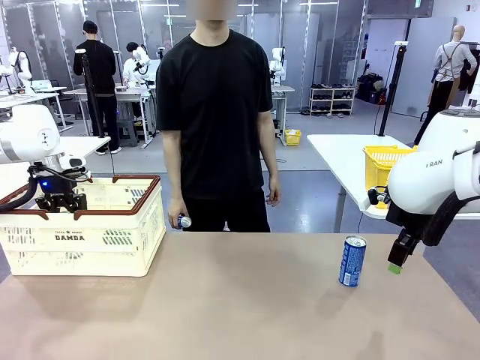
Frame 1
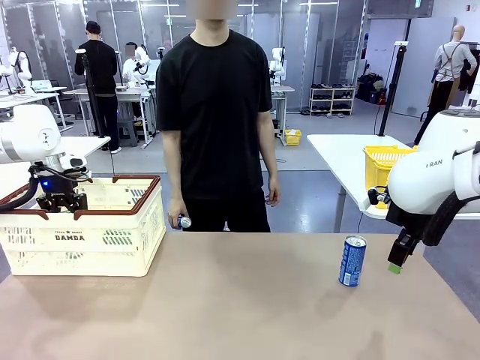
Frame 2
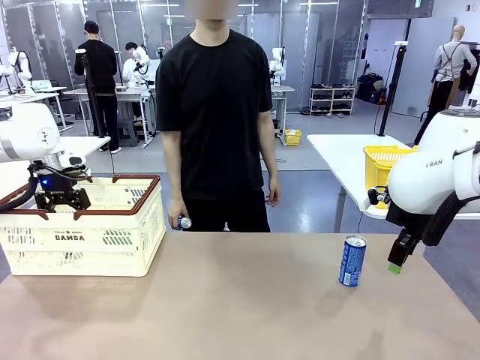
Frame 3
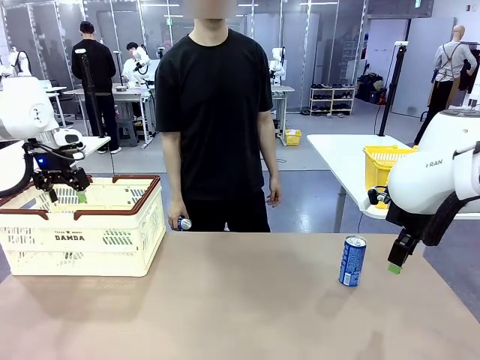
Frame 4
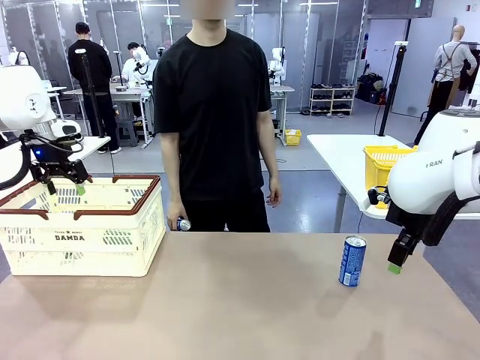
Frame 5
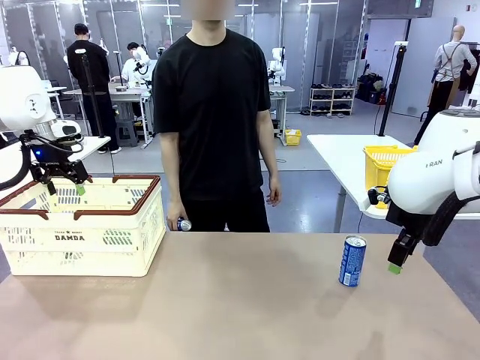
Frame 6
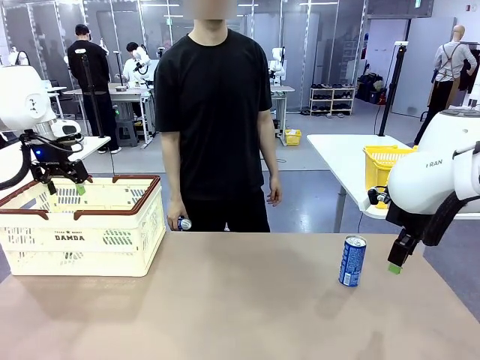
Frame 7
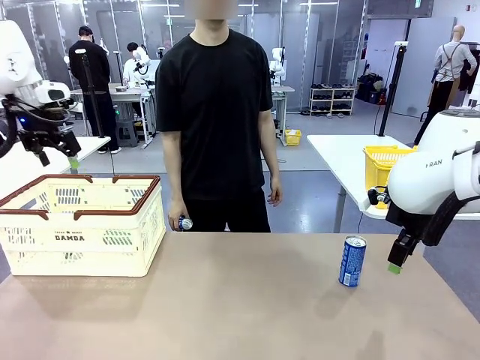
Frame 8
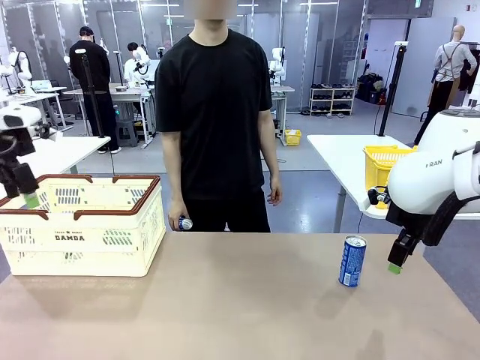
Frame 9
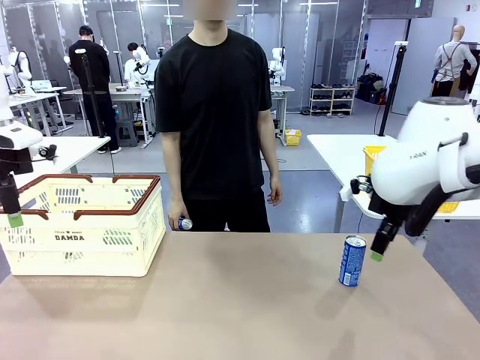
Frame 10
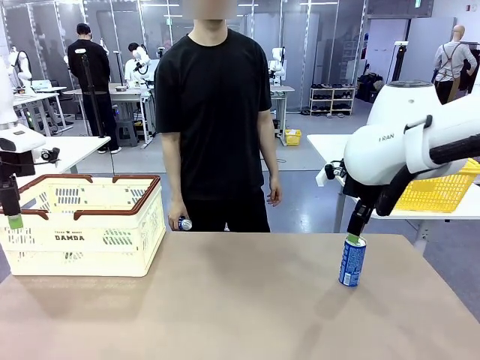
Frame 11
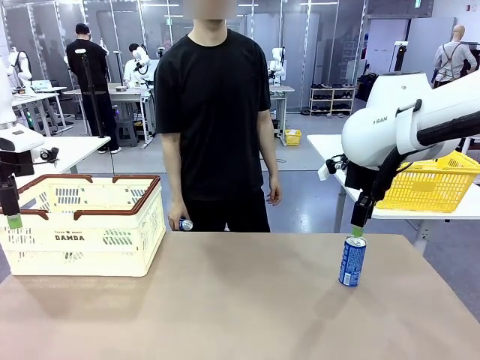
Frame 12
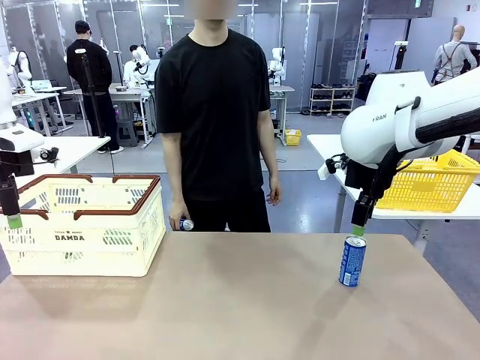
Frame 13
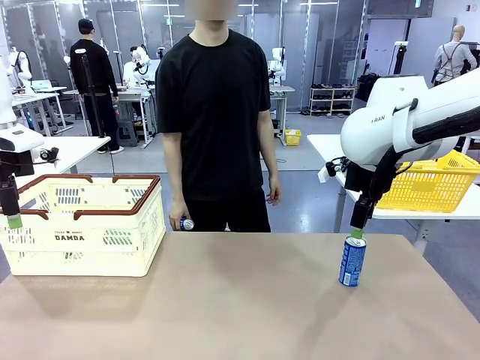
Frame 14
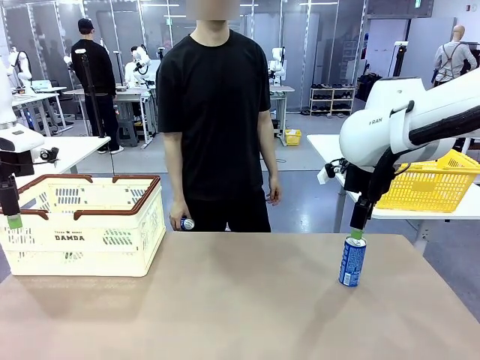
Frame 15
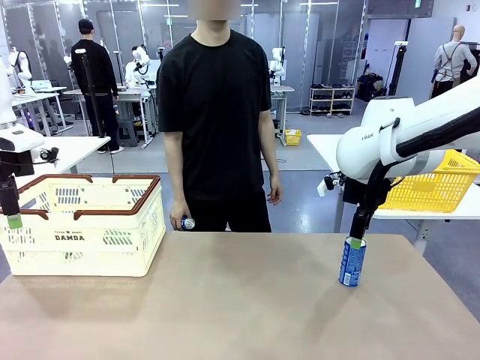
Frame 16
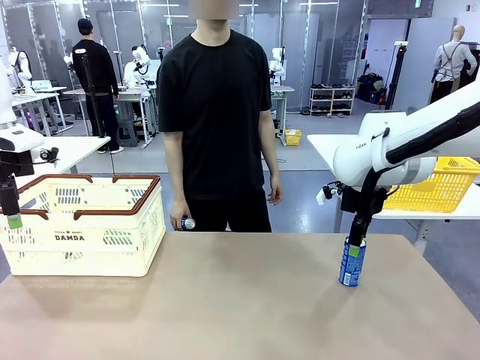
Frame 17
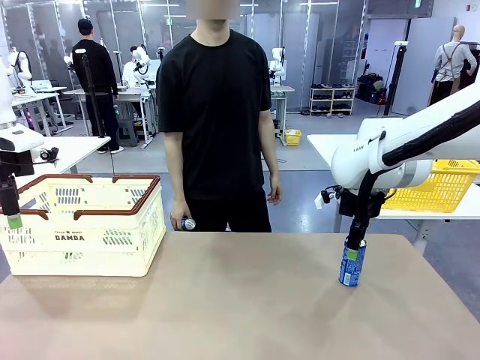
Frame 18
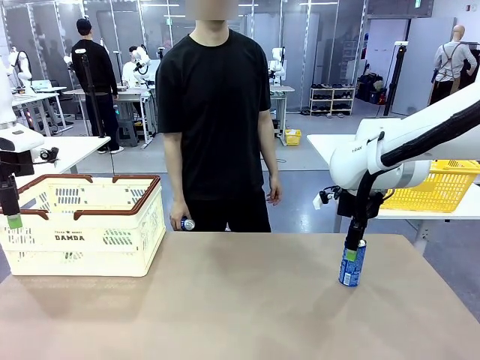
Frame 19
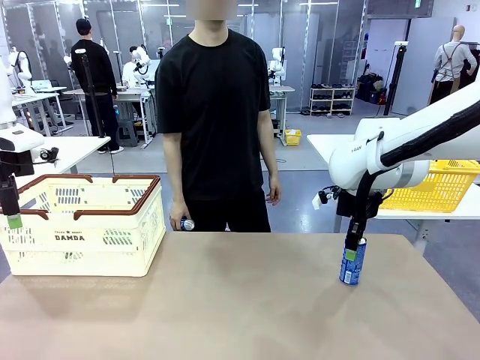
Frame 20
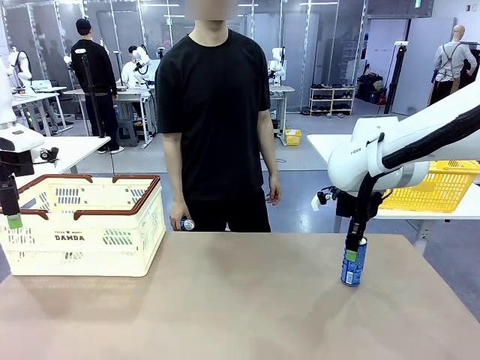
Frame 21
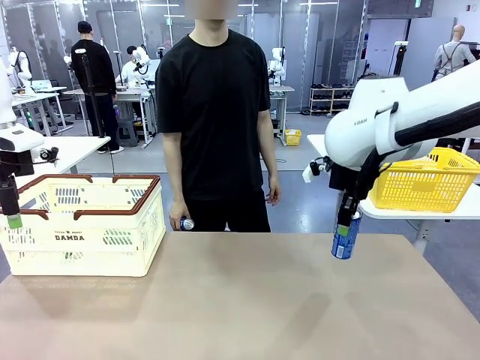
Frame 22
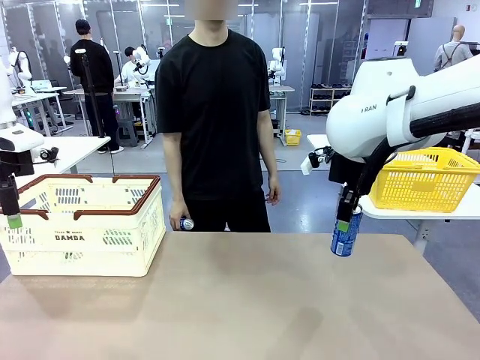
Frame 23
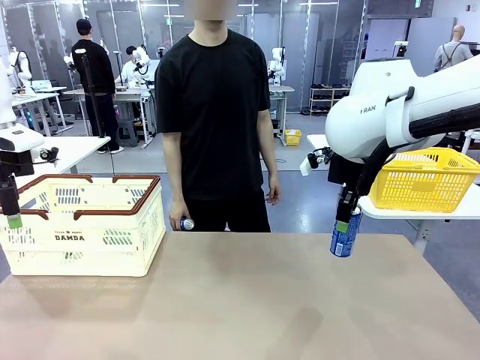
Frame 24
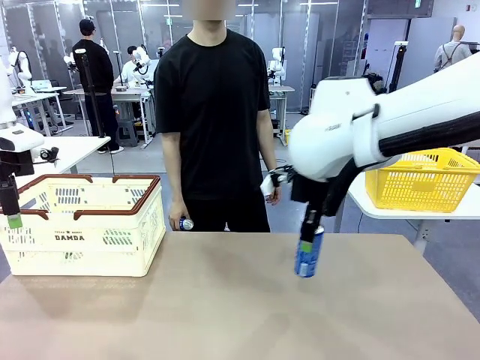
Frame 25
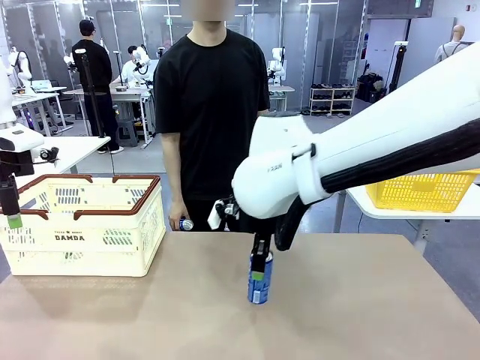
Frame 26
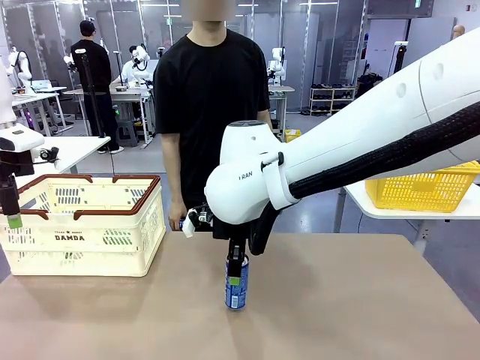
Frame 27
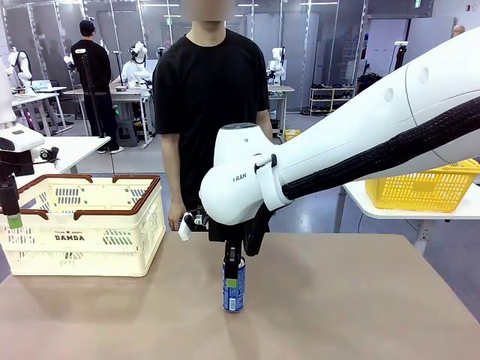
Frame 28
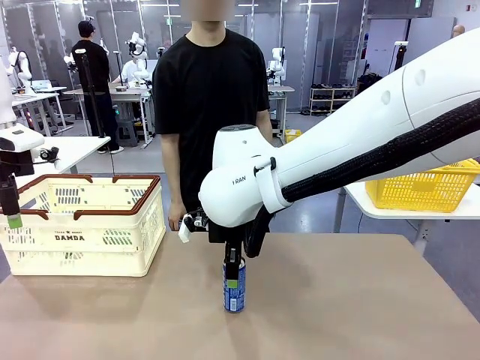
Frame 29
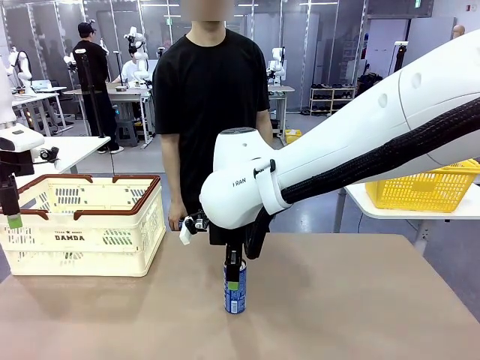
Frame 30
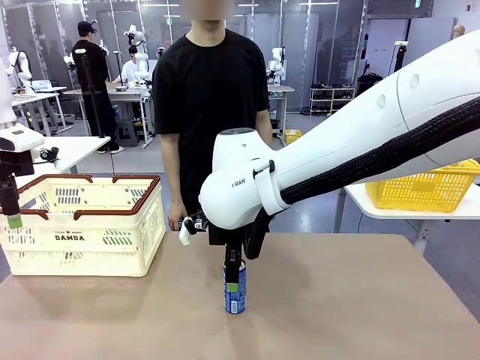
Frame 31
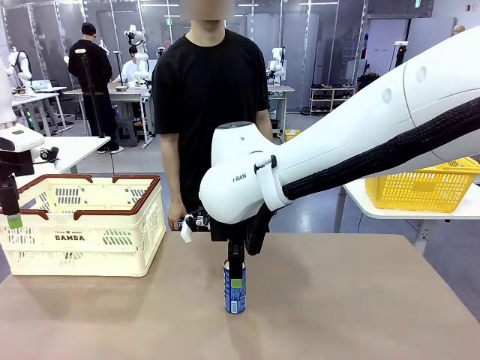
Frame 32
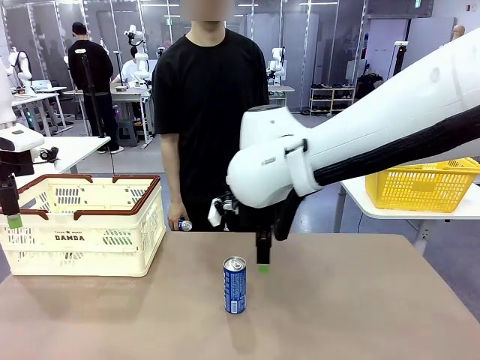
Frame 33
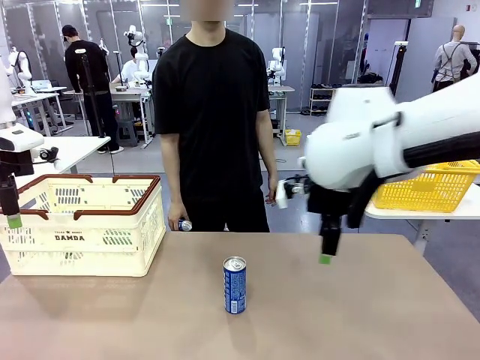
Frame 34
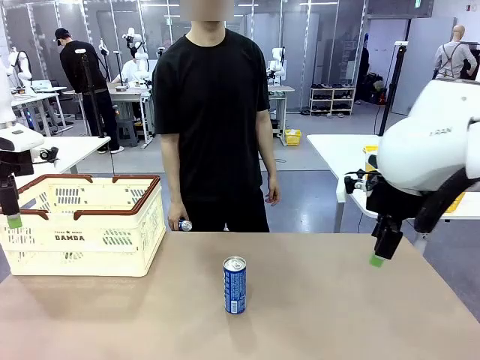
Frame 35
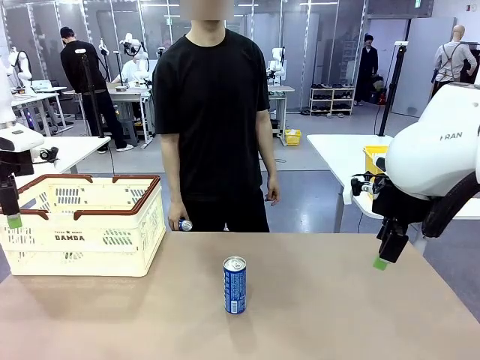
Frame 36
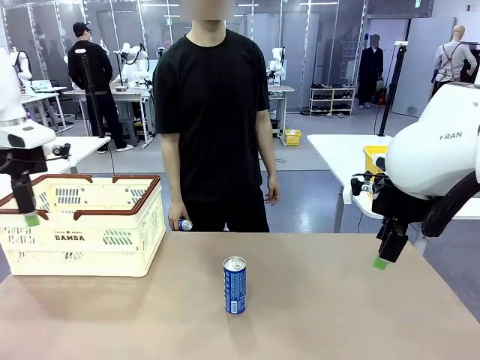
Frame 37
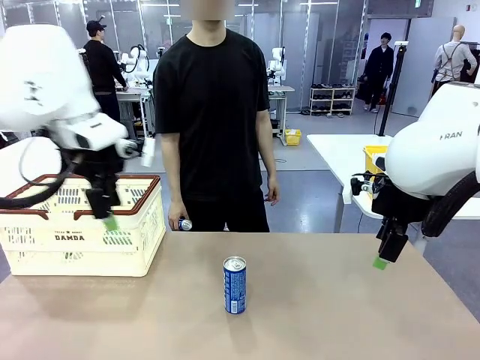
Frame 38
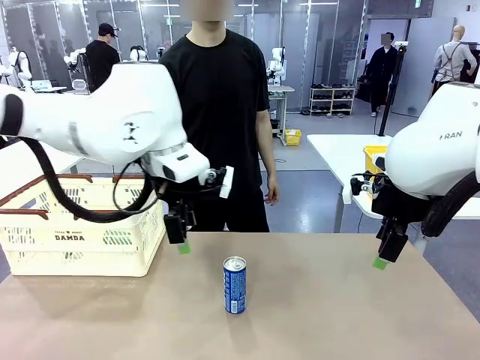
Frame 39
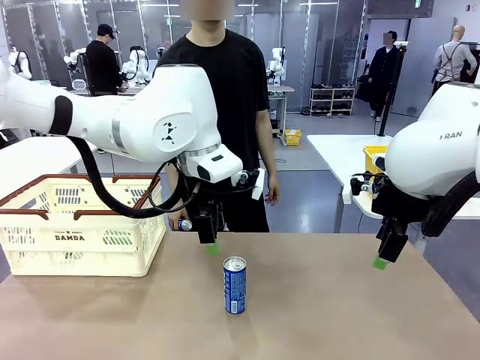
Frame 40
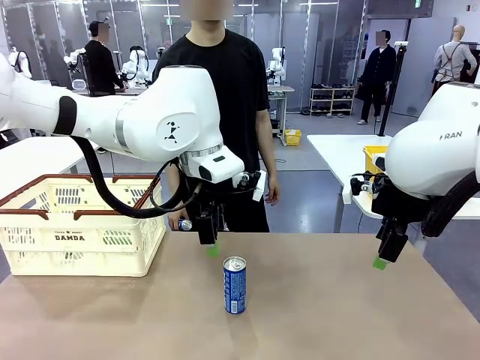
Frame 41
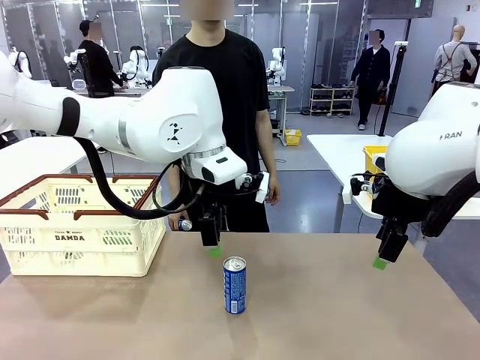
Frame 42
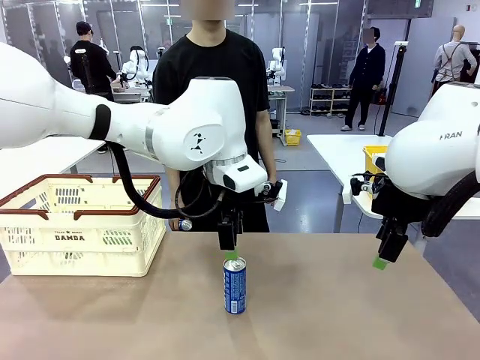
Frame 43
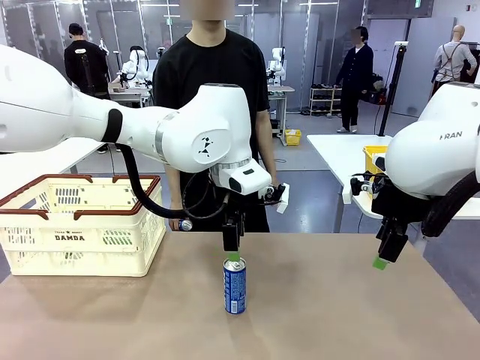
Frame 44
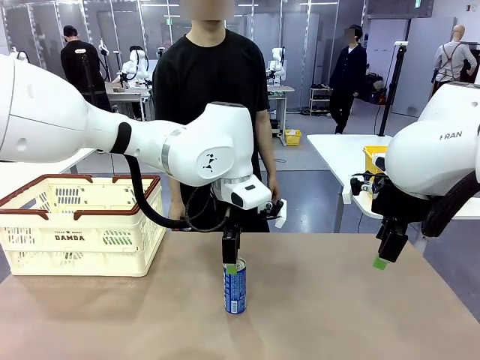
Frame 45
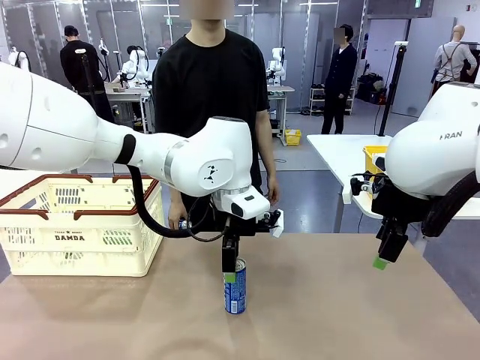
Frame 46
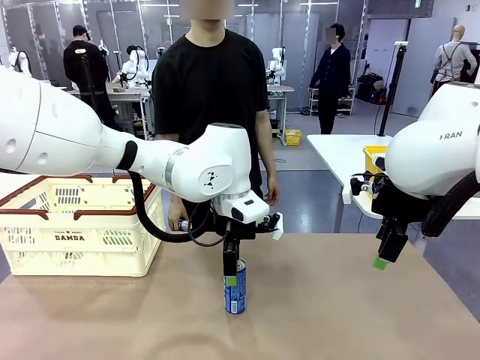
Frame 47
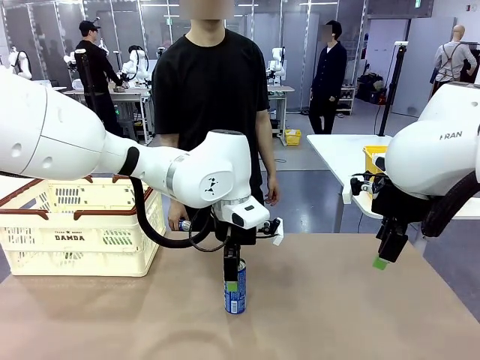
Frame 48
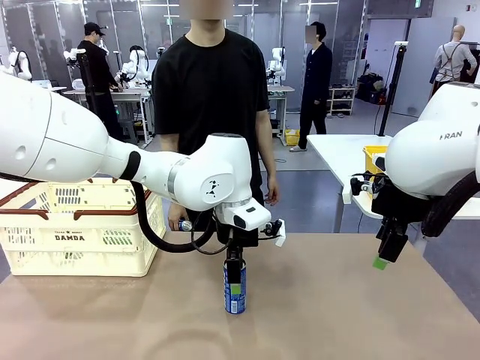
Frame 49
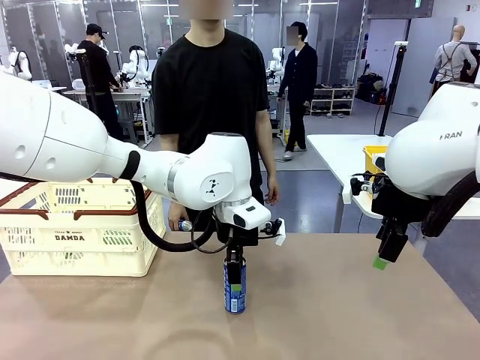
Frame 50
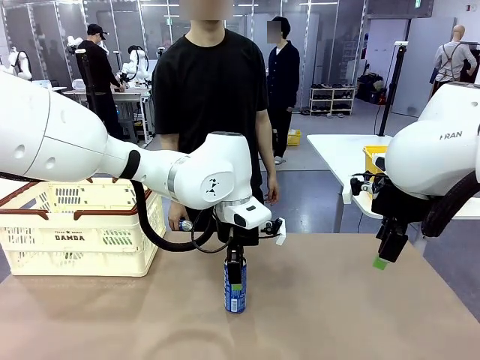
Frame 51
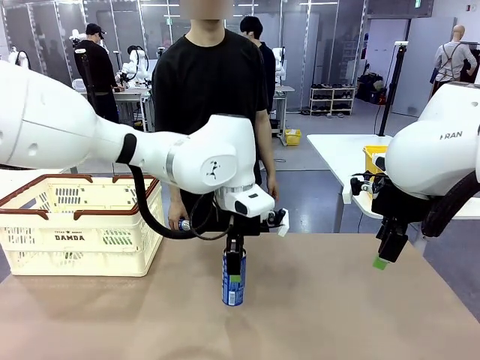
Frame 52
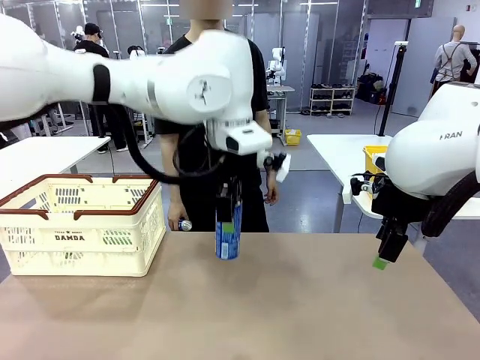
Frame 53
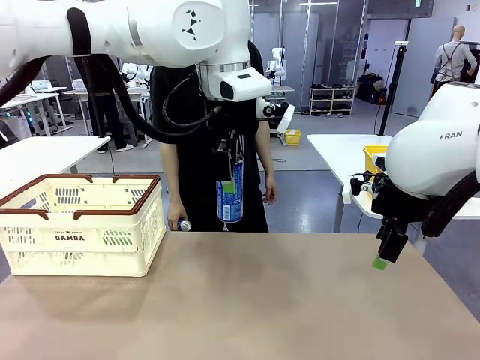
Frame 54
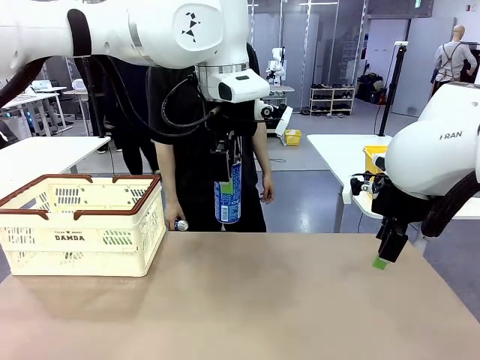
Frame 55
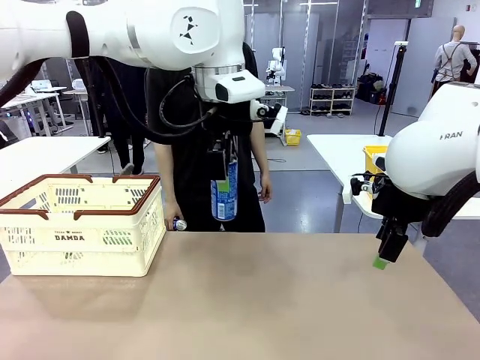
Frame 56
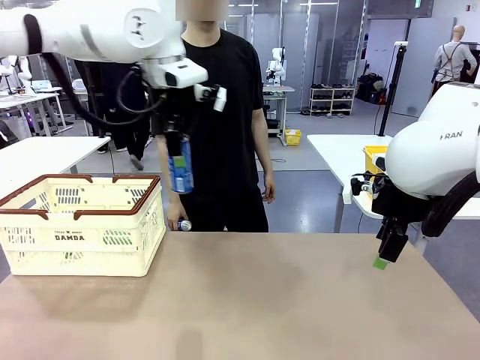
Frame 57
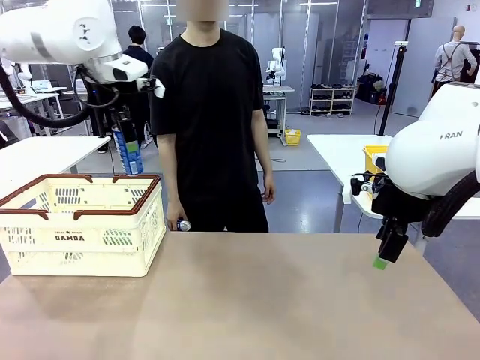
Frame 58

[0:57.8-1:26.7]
Task: Place the drinks into the Shopping basket.
Robot: Pick up one drink and place it into the Shopping basket.
